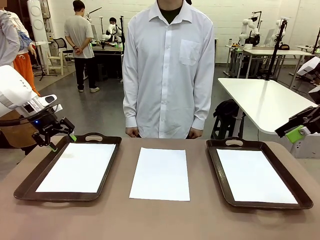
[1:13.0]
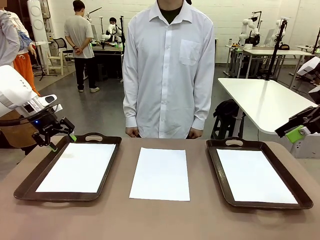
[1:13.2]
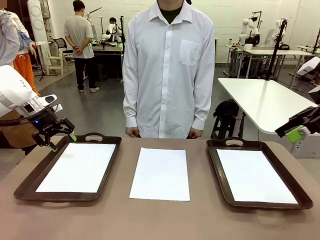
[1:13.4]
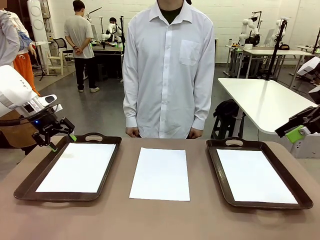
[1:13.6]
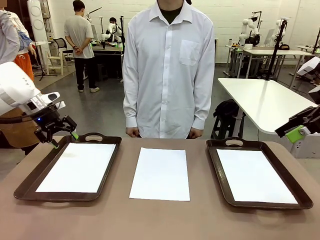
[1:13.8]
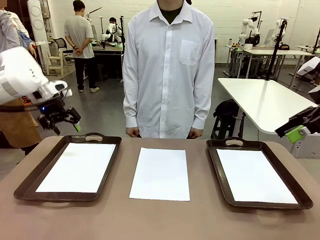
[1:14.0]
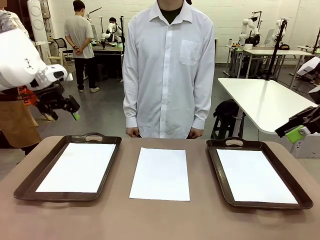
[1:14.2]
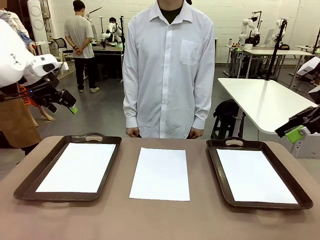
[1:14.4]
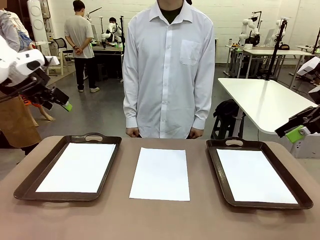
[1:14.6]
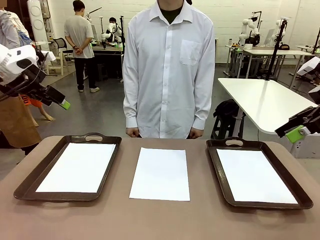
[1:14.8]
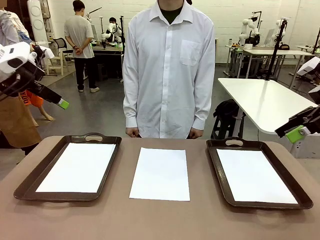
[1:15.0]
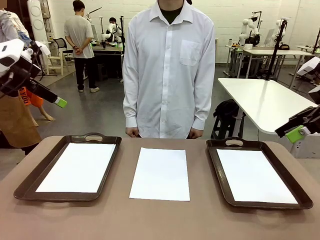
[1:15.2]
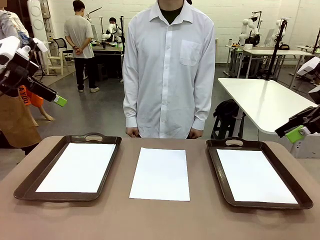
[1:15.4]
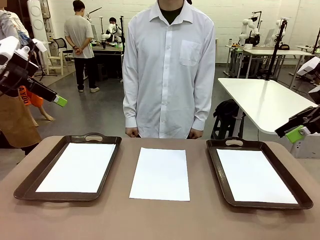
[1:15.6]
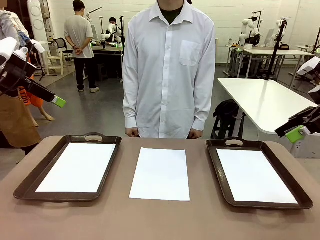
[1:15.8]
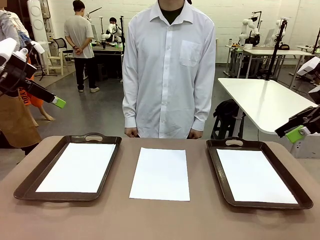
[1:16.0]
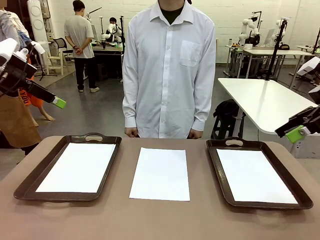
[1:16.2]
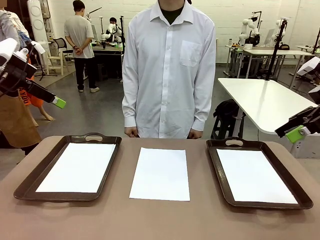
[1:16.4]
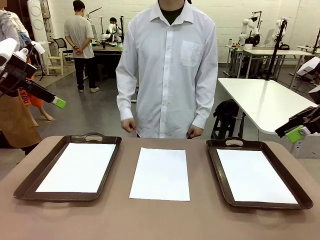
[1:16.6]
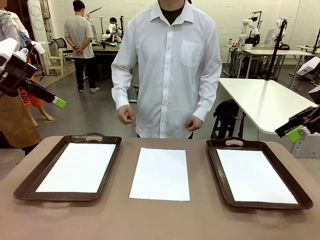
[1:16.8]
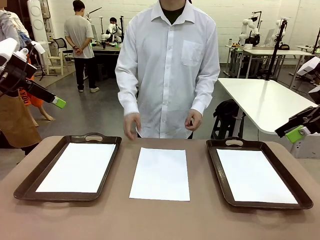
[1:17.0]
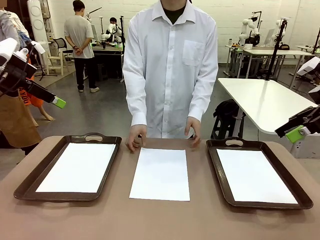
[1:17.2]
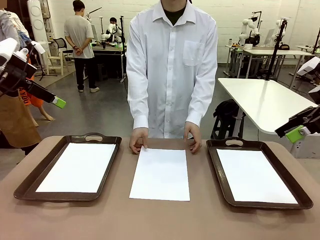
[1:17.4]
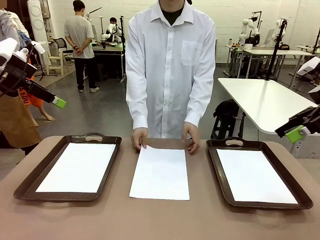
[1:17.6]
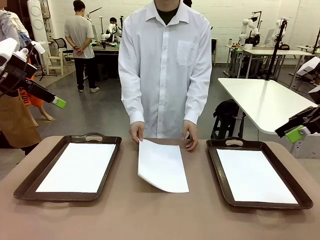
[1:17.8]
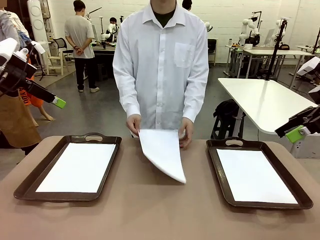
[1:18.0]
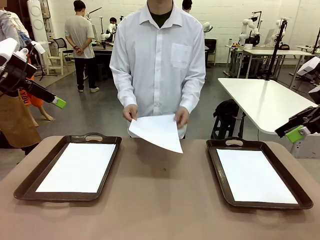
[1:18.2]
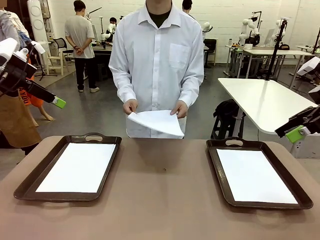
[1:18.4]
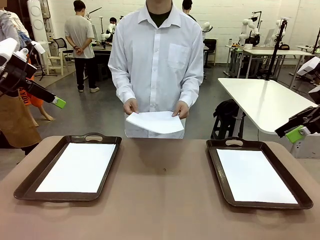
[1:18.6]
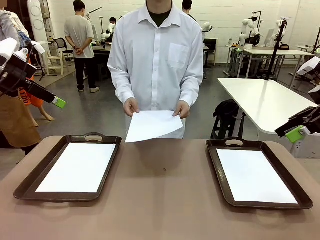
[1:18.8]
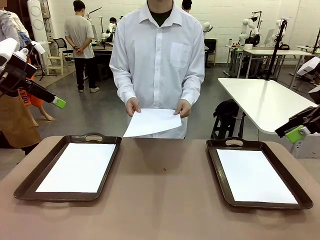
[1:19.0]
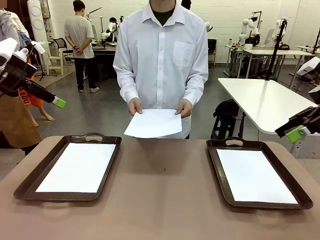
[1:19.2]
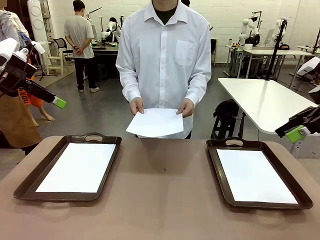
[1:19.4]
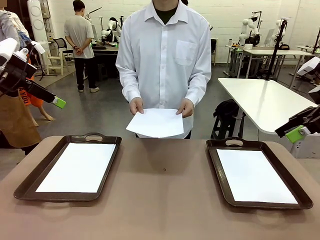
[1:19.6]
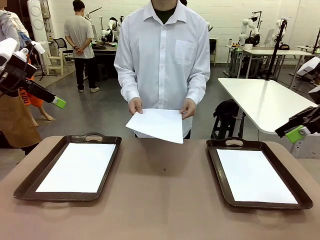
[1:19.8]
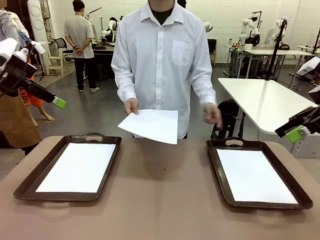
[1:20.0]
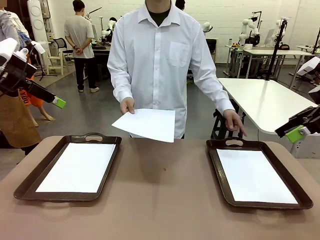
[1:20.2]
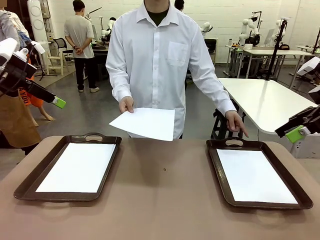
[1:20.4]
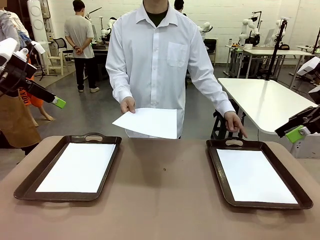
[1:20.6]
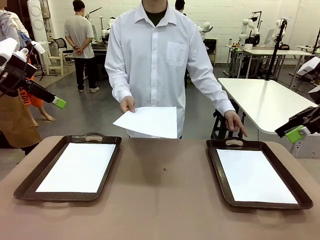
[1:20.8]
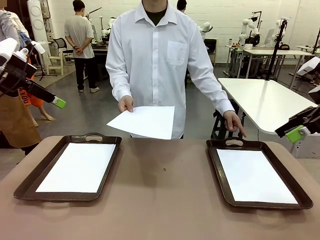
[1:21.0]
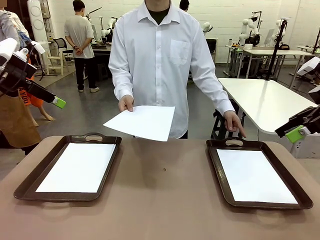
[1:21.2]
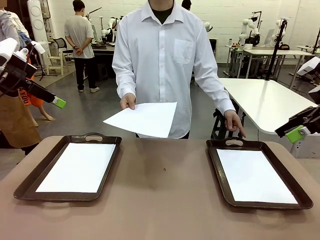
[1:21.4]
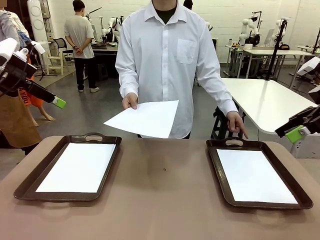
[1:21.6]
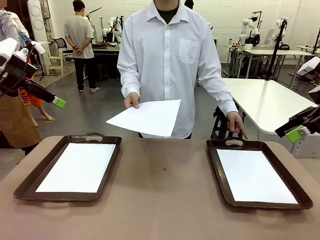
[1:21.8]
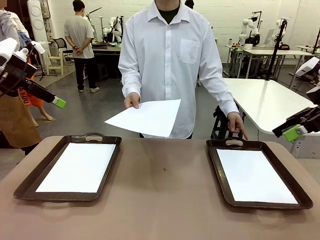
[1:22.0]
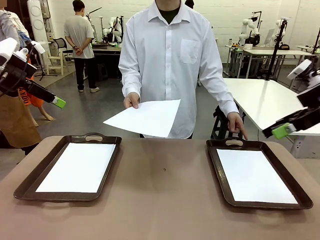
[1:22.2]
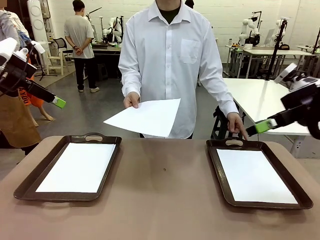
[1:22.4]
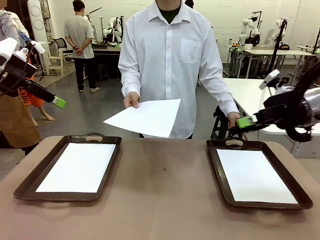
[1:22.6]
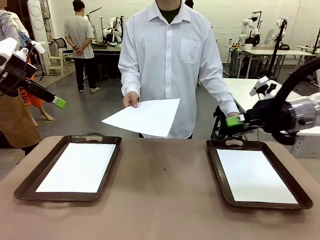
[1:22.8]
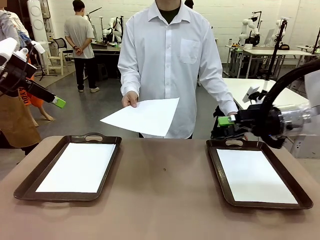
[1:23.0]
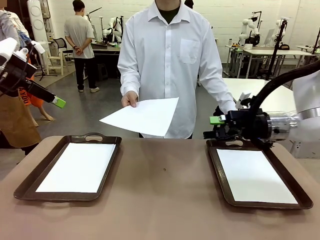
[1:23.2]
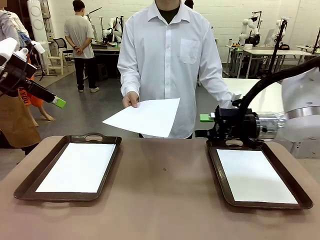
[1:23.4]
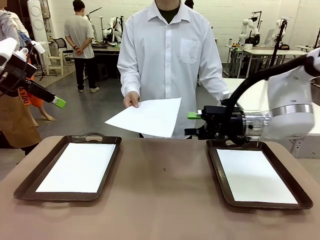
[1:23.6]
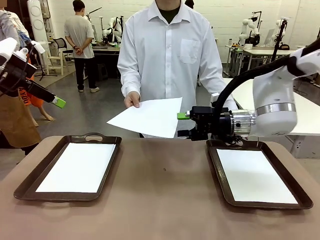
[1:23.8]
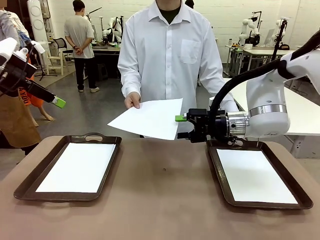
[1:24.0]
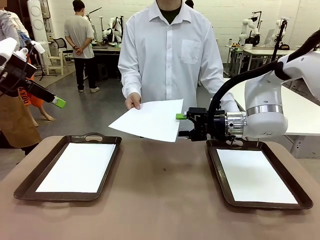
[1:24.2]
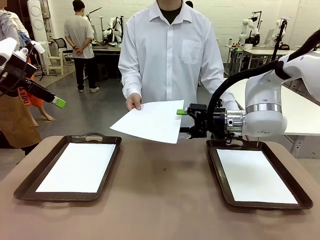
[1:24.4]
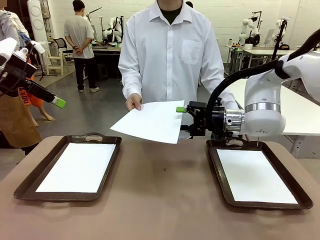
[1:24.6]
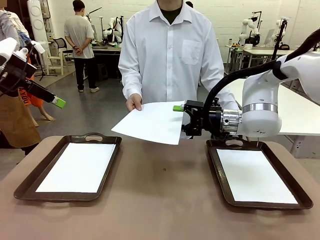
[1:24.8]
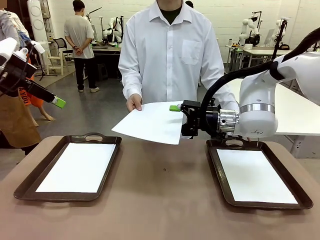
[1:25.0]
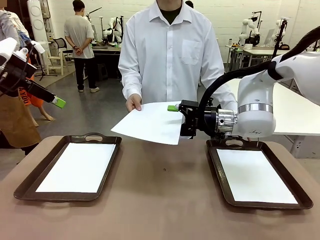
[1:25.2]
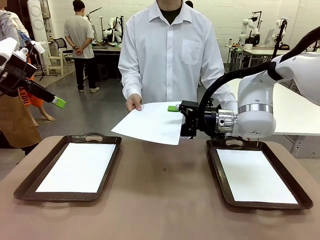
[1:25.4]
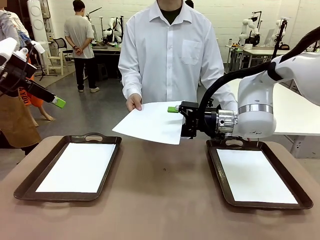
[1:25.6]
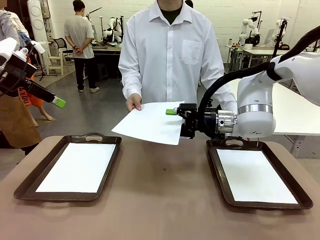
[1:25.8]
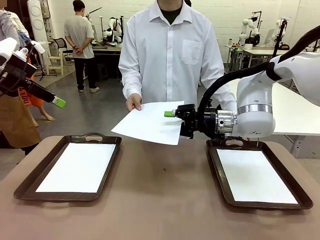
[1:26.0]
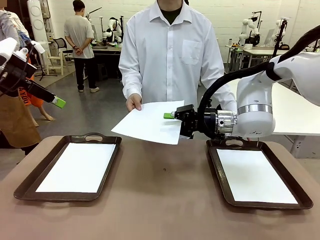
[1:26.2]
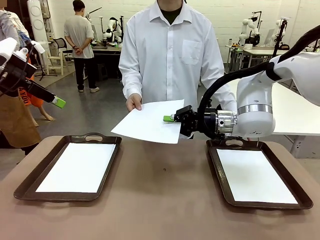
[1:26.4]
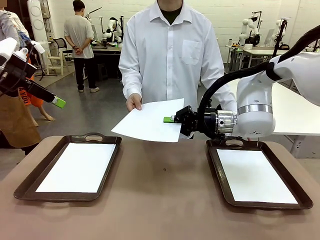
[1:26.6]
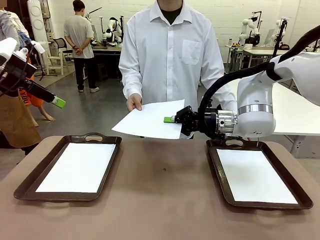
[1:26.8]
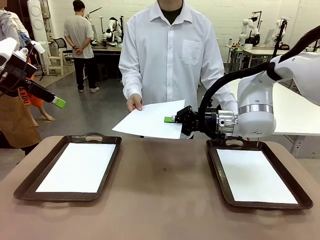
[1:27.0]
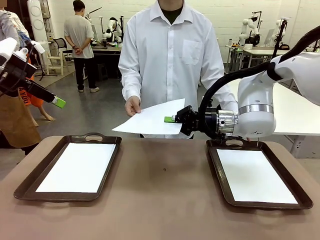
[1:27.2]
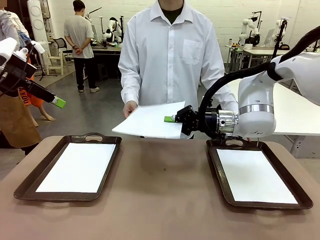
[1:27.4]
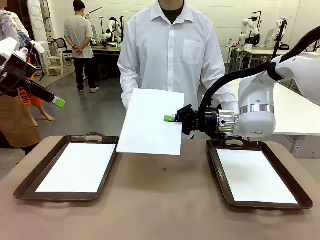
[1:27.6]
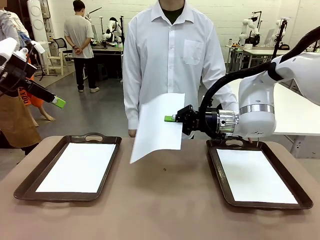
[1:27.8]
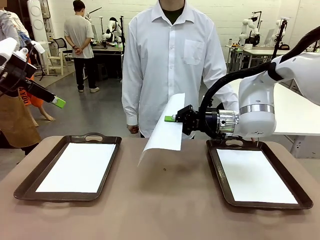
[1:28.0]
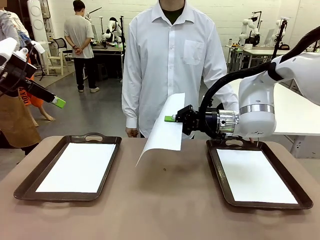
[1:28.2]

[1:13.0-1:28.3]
Task: Sort the A4 documents.
Robot: Receive the A4 Paper.
Person: Point the randomly selected tray with the other hand.

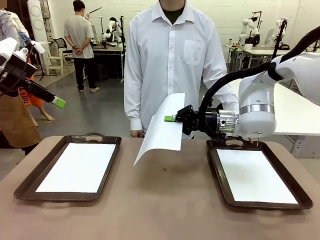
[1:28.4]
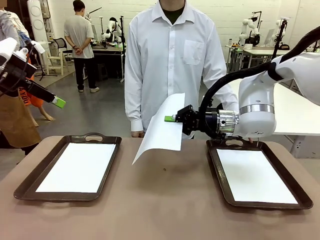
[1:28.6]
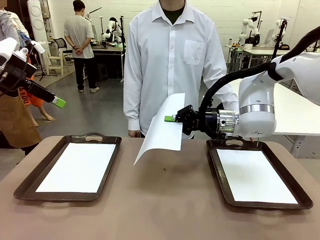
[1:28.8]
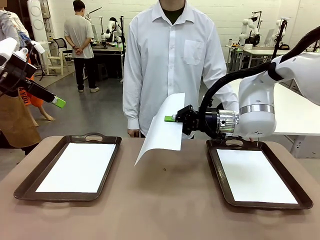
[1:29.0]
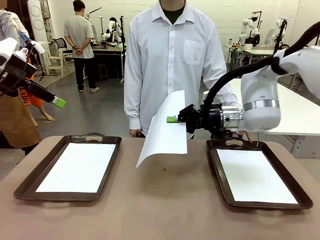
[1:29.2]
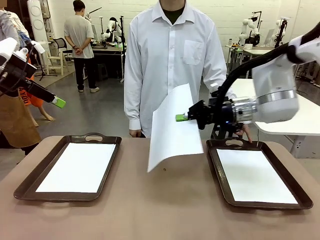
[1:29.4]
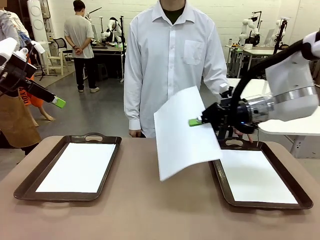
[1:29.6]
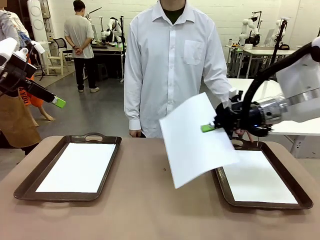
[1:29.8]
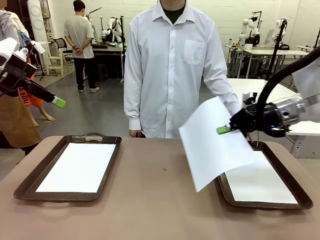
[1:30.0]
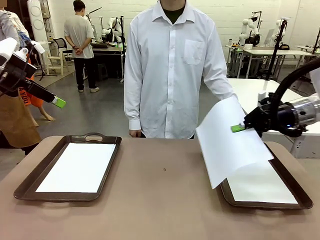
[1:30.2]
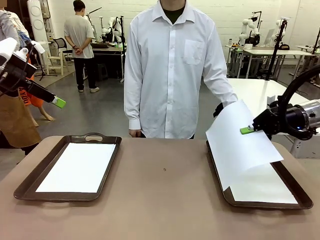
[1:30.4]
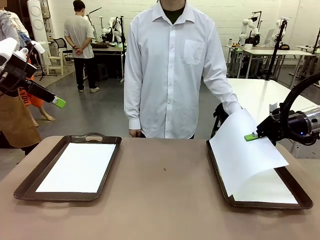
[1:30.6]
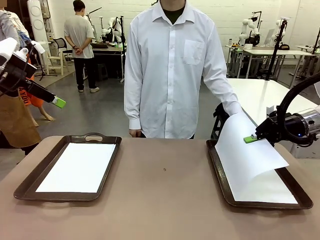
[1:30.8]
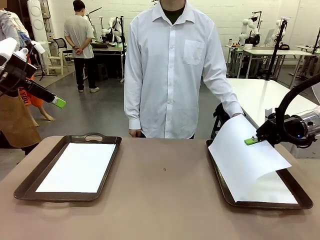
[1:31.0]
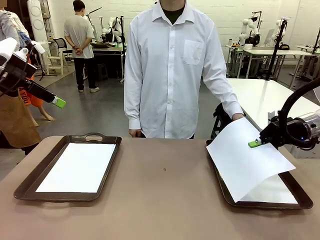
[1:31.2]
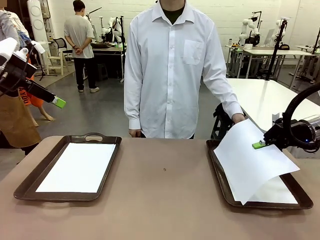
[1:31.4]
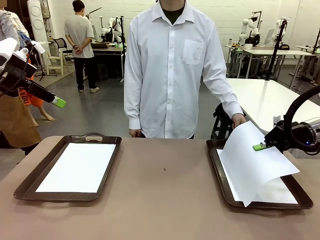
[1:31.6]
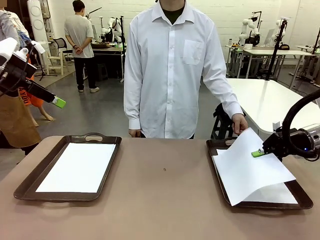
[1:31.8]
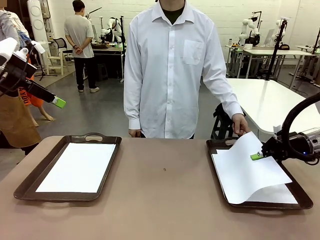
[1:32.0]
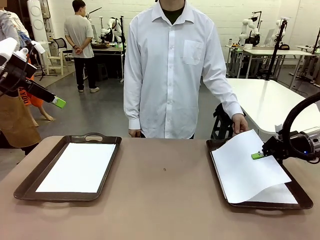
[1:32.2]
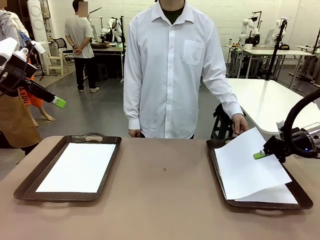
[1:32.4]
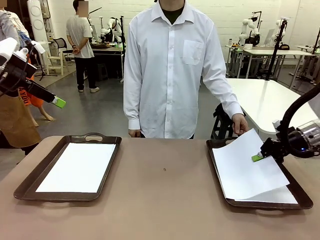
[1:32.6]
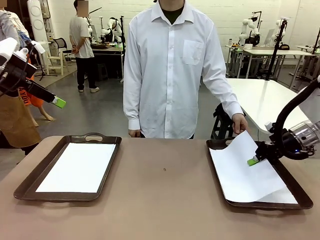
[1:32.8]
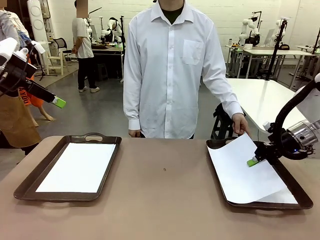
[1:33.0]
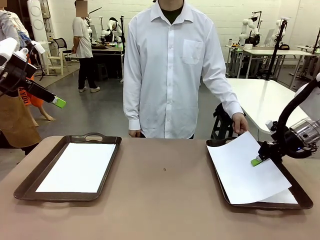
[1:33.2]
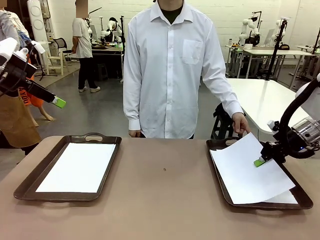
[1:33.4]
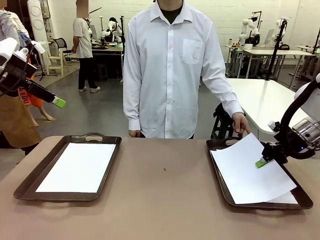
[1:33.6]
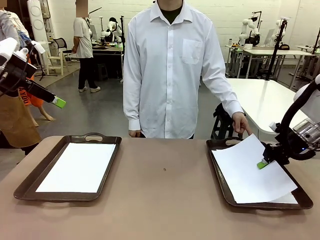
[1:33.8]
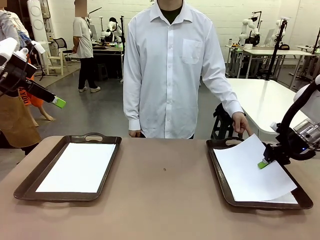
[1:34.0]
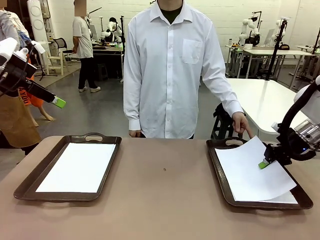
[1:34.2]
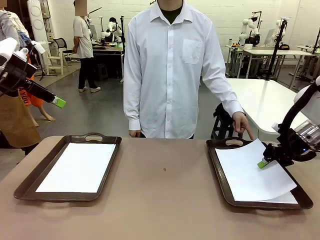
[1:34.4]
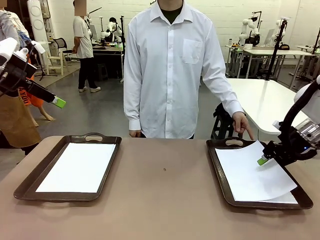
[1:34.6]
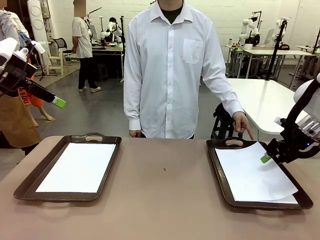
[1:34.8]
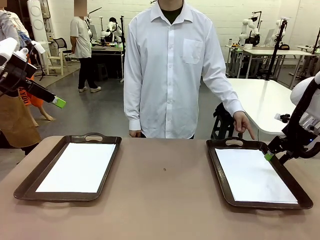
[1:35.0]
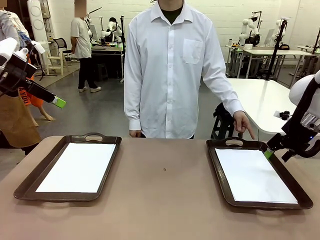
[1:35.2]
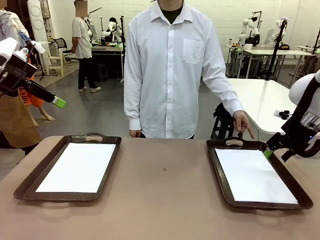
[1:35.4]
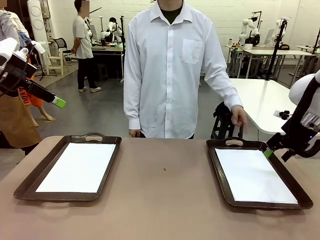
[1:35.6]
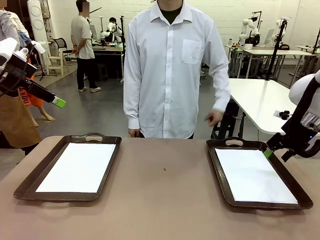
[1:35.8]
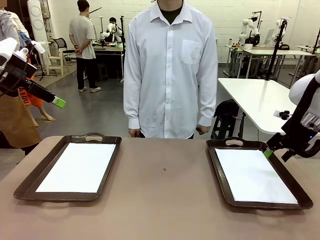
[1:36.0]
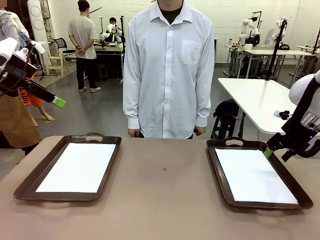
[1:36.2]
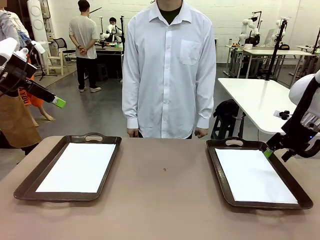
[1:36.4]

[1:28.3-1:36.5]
Robot: Place the A4 Paper in the designated Handle tray.
